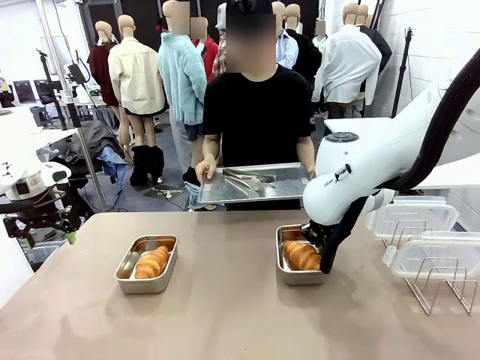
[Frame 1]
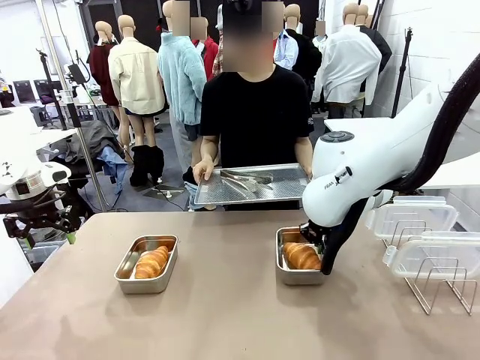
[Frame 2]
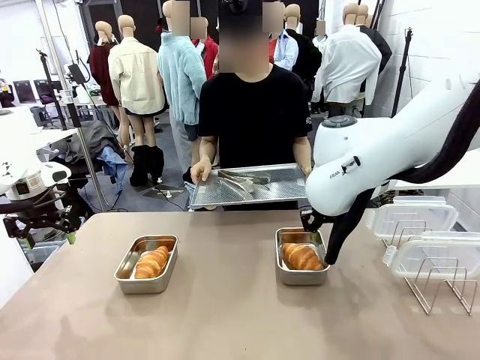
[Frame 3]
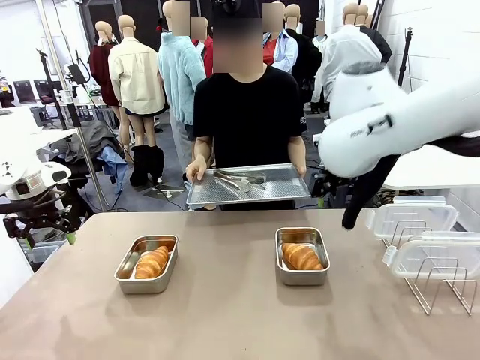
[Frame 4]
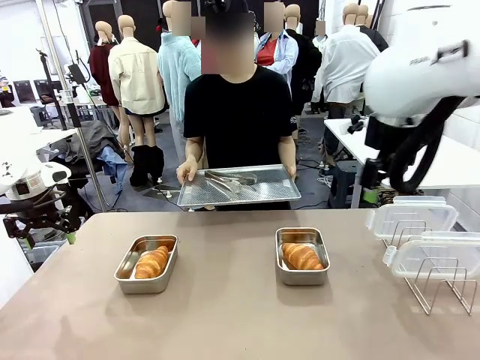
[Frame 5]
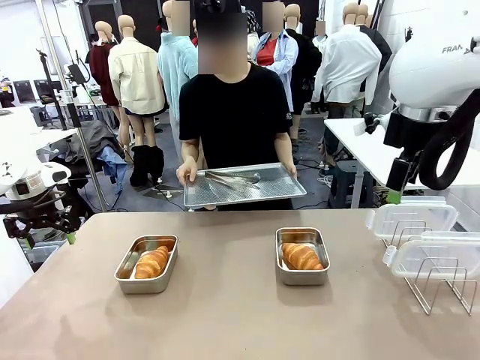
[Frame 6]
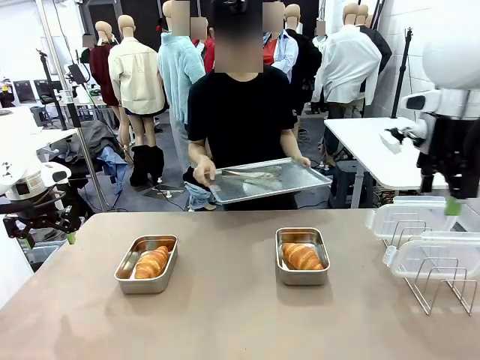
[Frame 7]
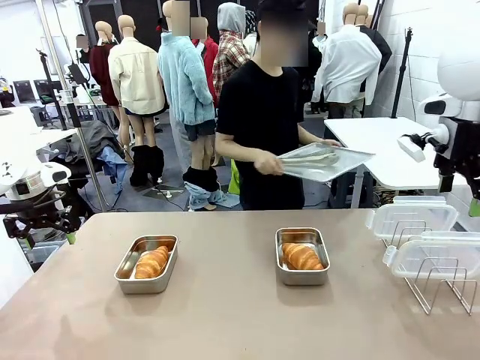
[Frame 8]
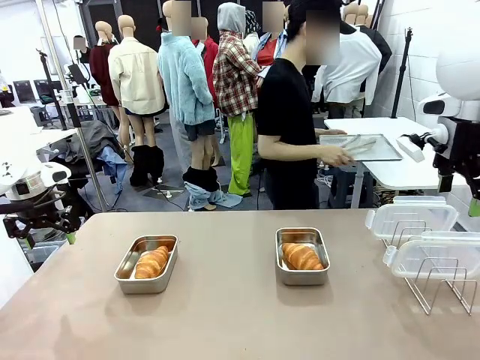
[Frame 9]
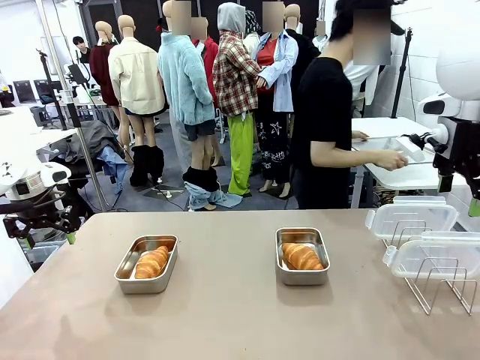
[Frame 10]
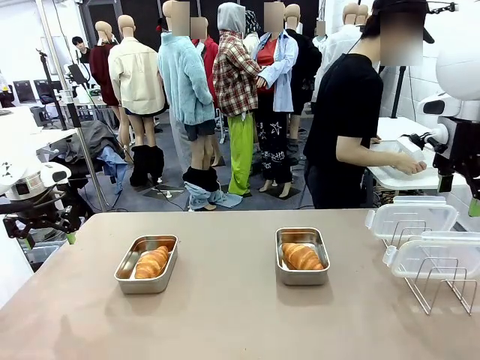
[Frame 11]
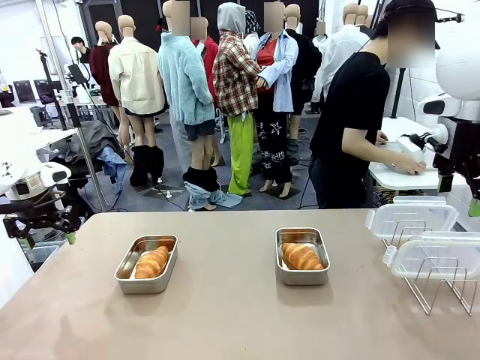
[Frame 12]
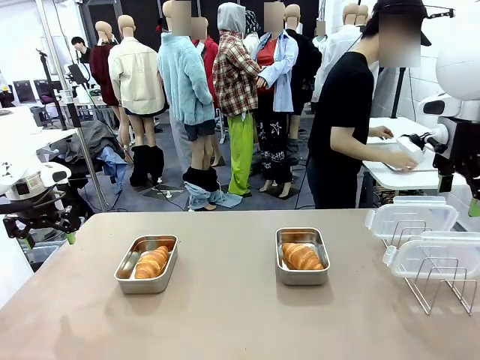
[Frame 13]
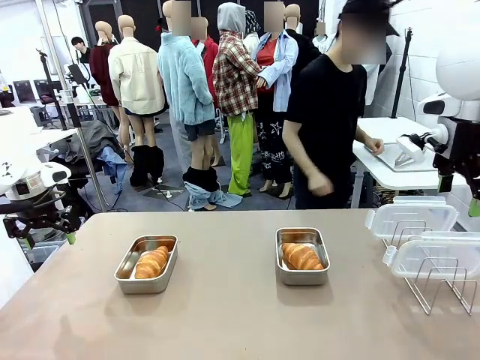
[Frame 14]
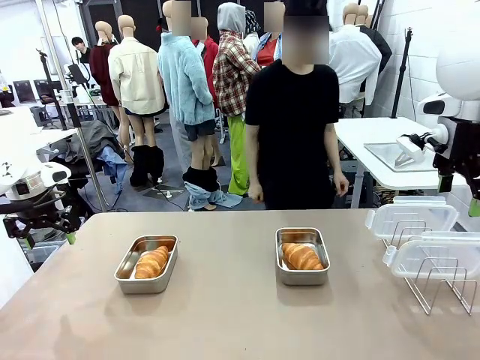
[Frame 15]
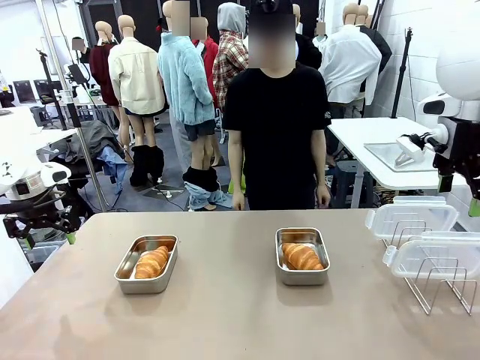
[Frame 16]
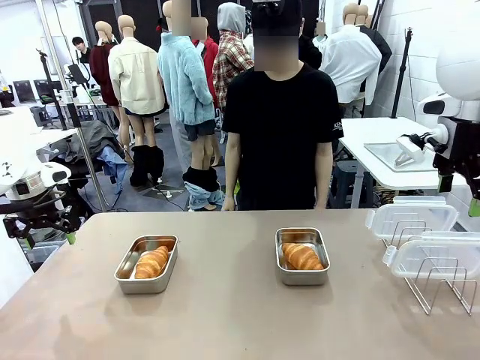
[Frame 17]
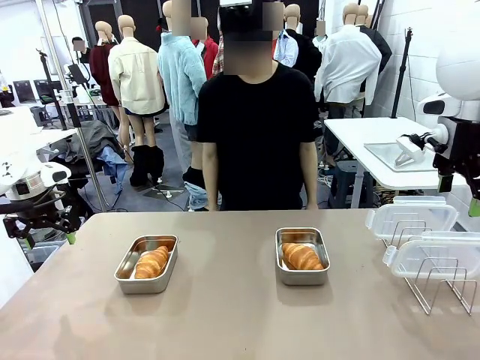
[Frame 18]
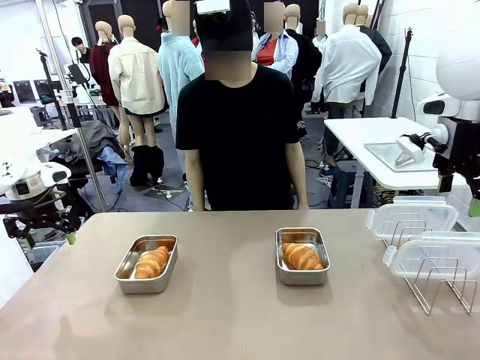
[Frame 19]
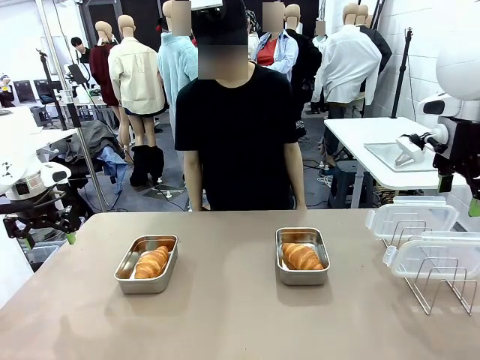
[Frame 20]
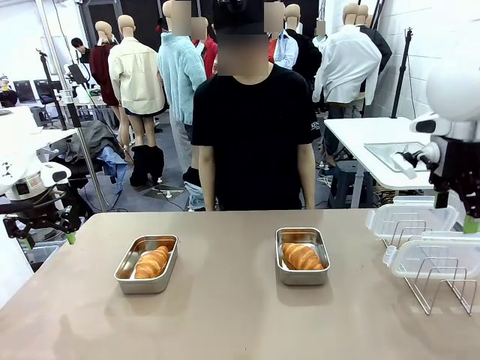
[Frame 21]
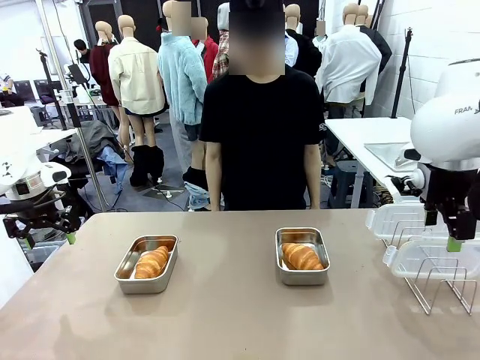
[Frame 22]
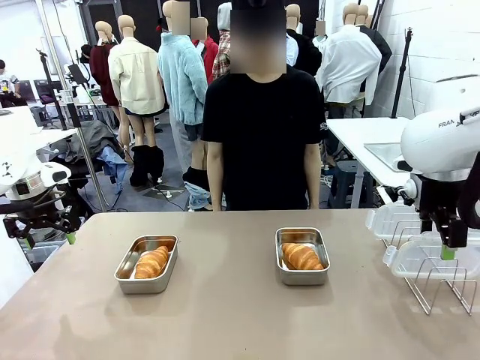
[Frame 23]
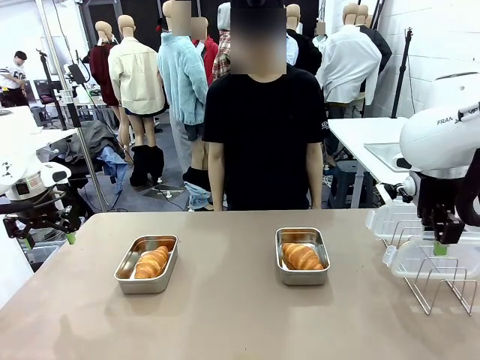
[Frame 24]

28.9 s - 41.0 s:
Task: Place the bread in airtight containers.
Robot: Pick up one Airtight Container lid and hand it to the human.
Person: Place Baking Sheet on the Human's Table.

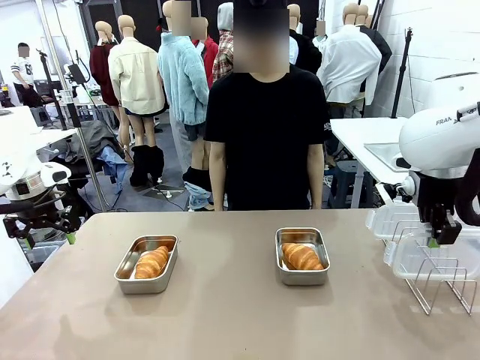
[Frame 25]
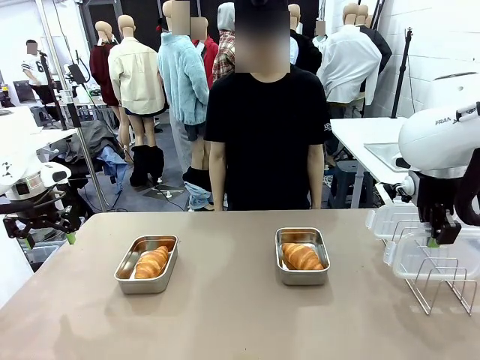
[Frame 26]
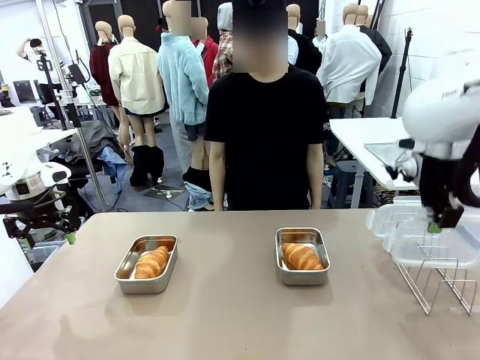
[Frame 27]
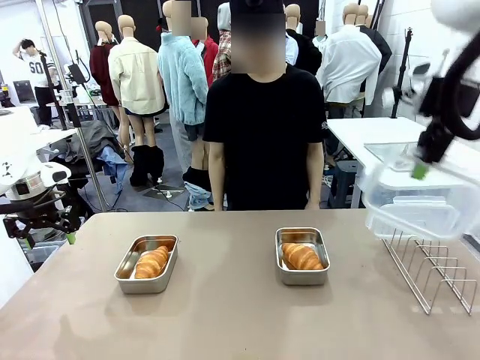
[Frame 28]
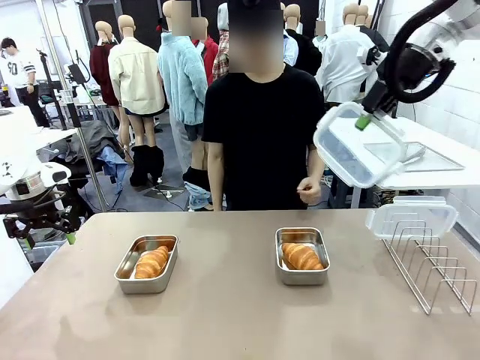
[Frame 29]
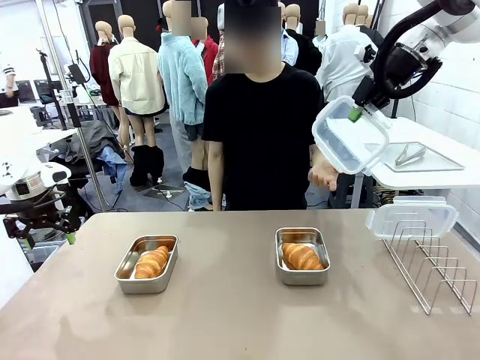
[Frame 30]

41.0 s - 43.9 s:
Robot: Release when the human grabs the Airtight Container lid.

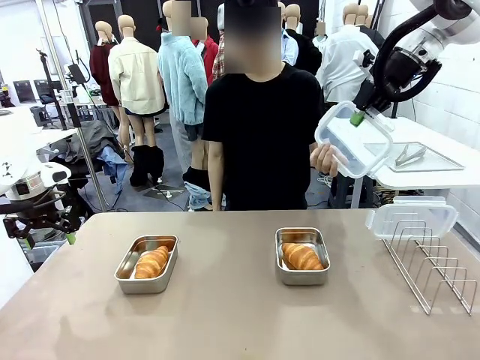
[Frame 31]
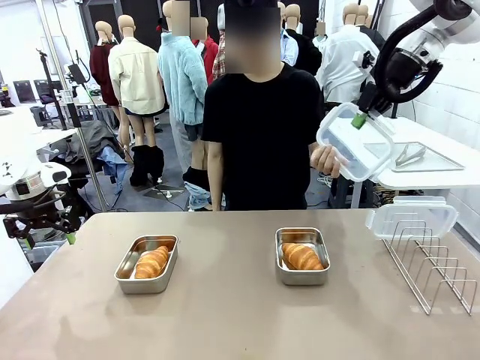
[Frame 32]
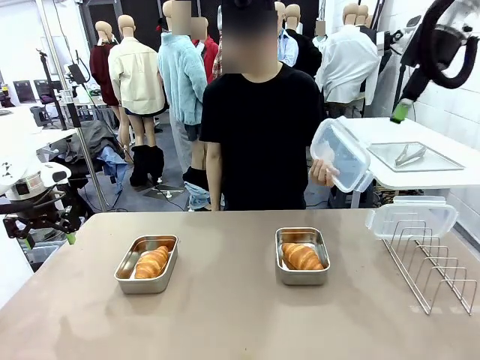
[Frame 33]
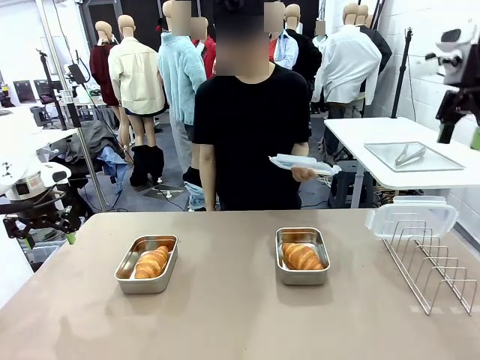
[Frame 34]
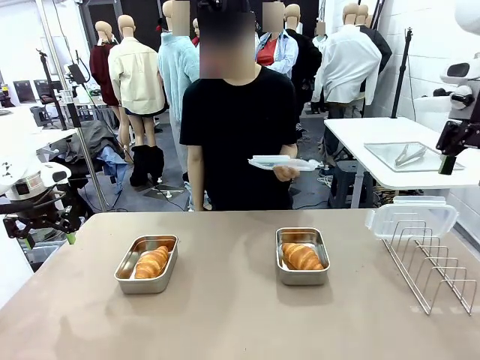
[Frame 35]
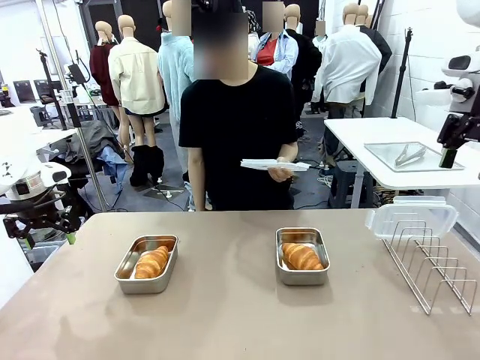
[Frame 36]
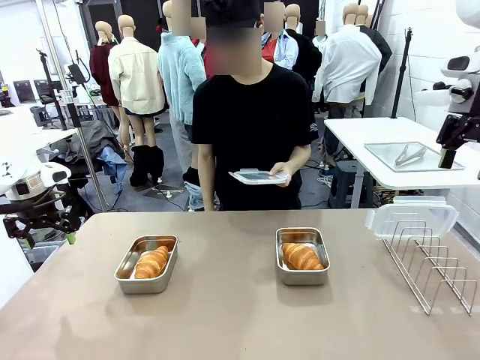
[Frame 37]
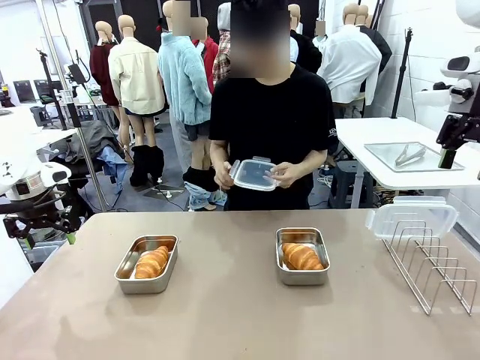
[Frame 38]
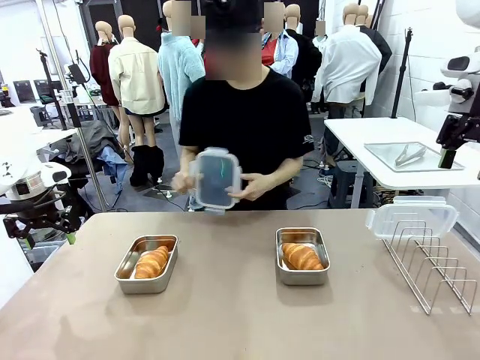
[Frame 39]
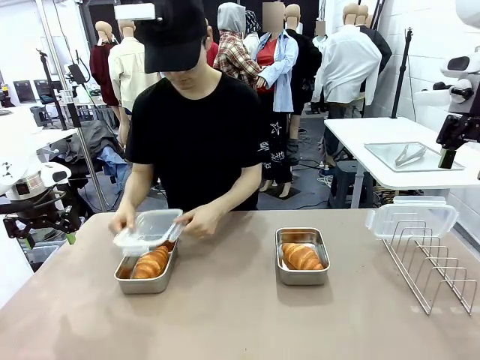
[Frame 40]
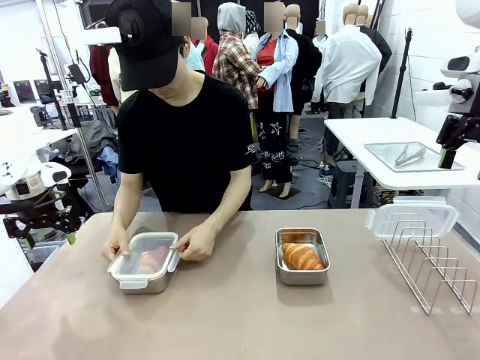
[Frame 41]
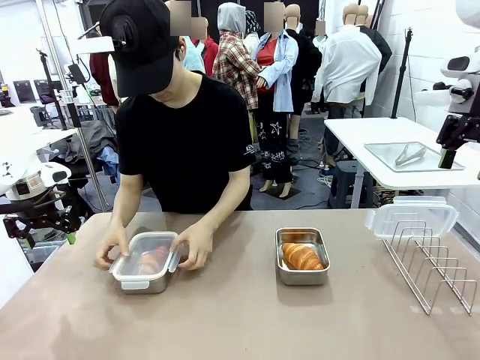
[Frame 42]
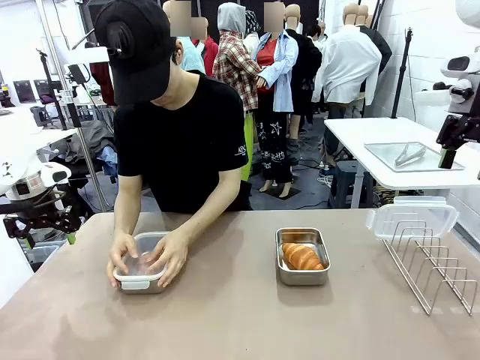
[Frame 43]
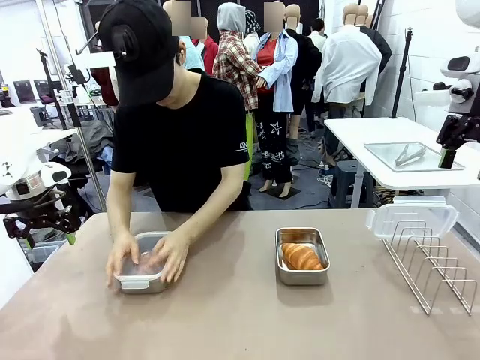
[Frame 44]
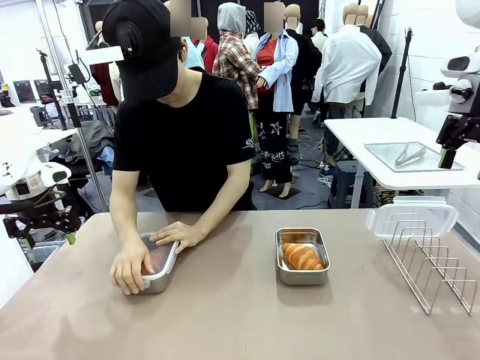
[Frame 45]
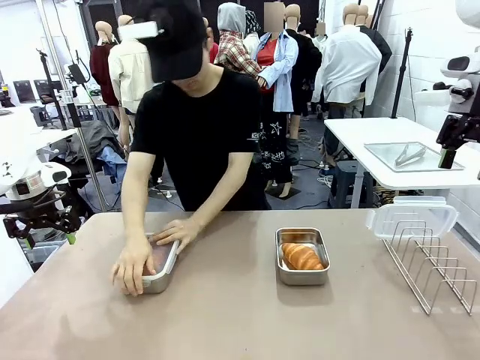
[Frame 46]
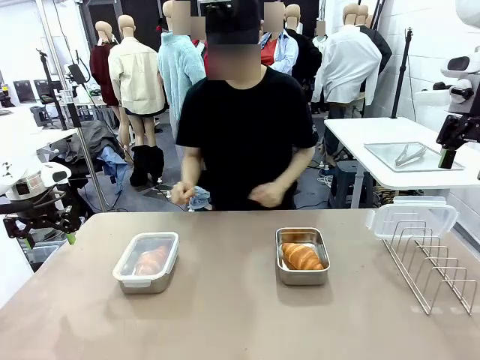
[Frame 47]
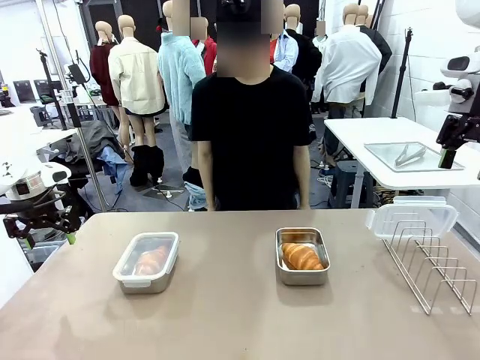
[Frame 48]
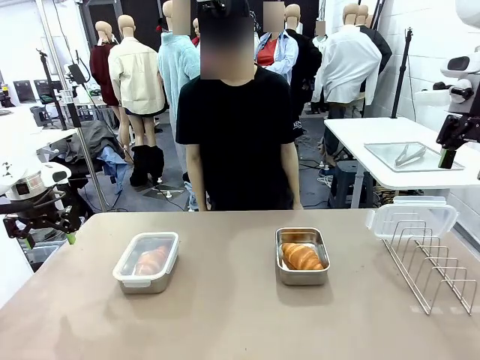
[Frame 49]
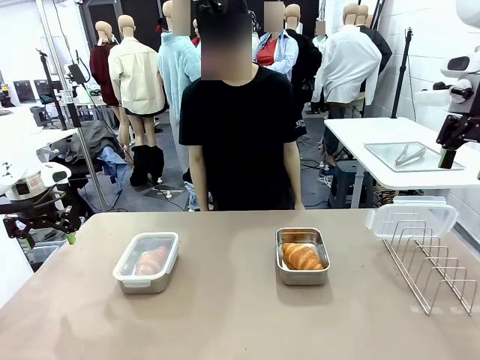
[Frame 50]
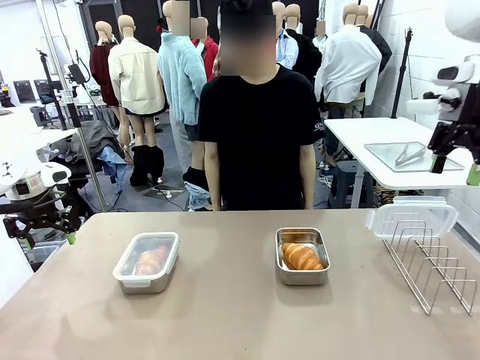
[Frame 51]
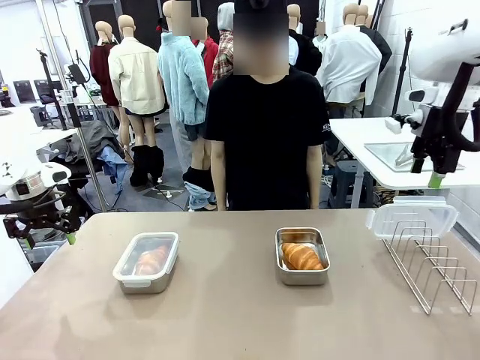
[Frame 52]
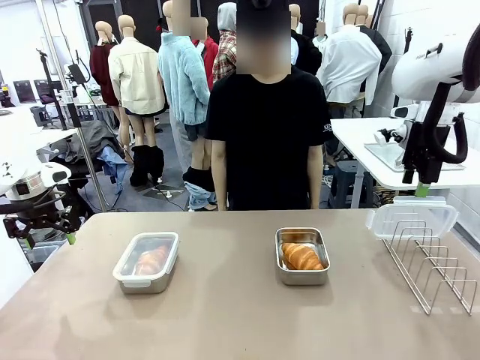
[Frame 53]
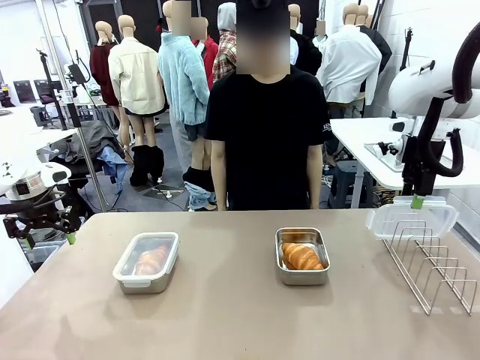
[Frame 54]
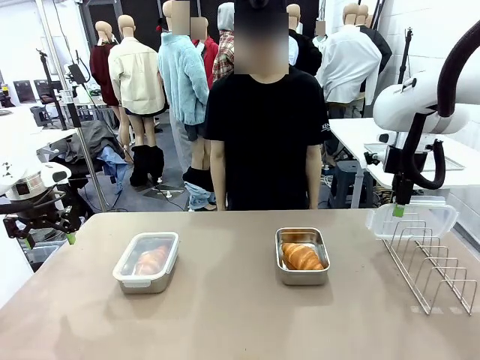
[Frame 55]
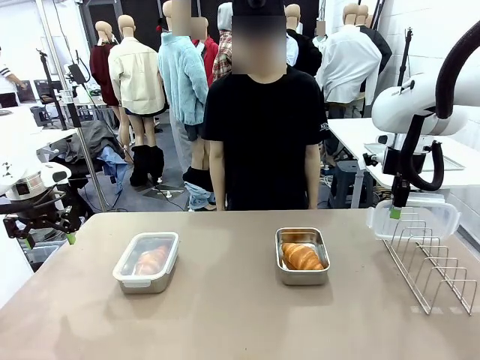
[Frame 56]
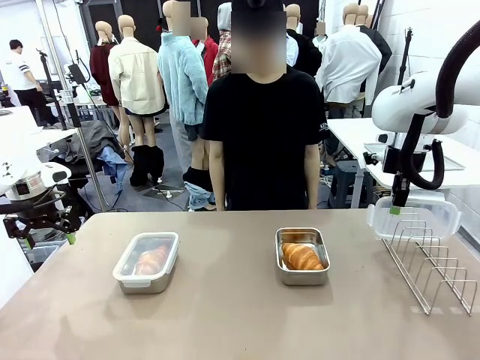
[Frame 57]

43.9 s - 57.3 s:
Robot: Pick up one Airtight Container lid and hand it to the human.
Person: Close Airtight Container with a handed Airtight Container lid.
